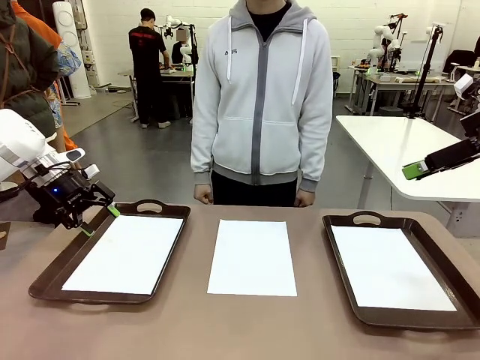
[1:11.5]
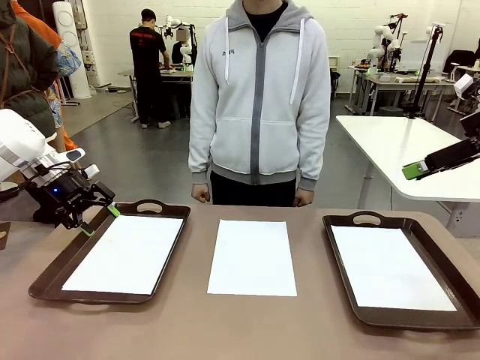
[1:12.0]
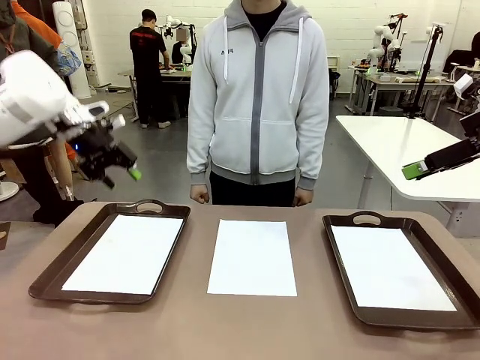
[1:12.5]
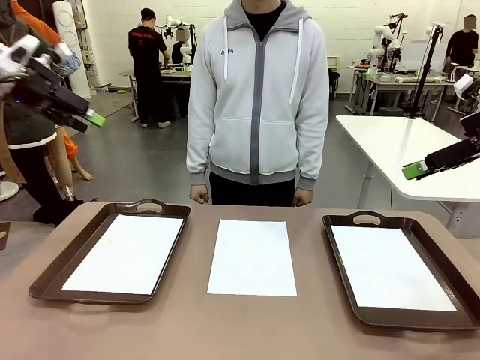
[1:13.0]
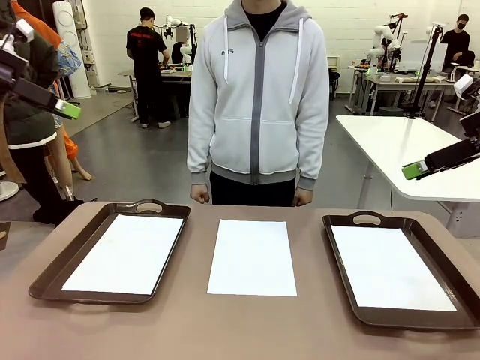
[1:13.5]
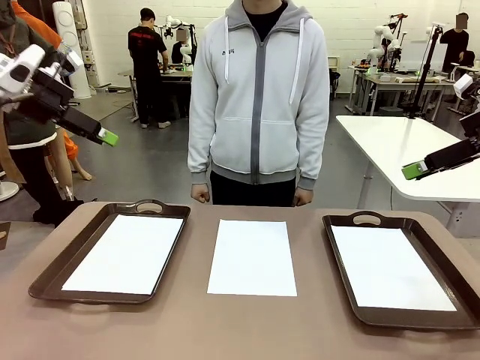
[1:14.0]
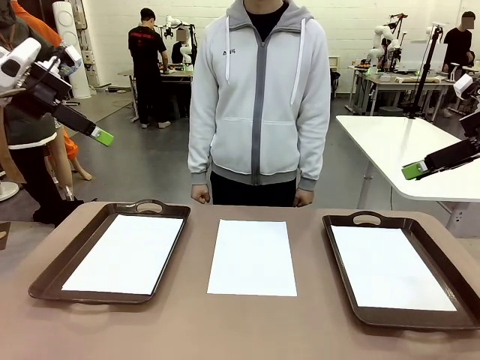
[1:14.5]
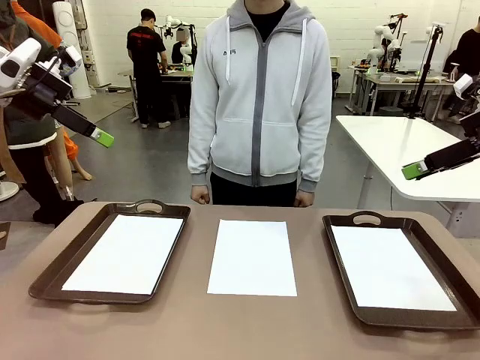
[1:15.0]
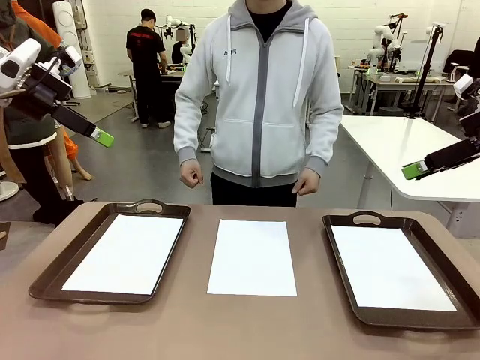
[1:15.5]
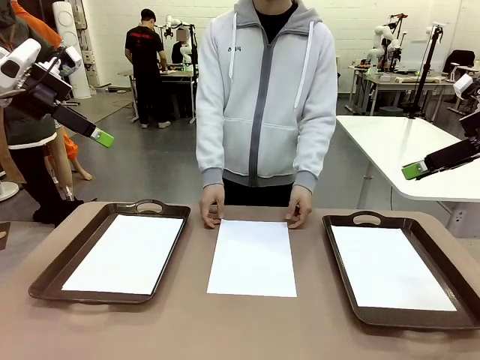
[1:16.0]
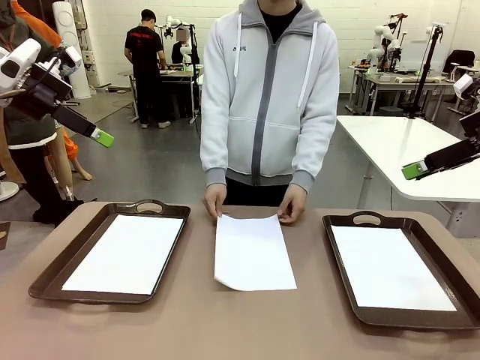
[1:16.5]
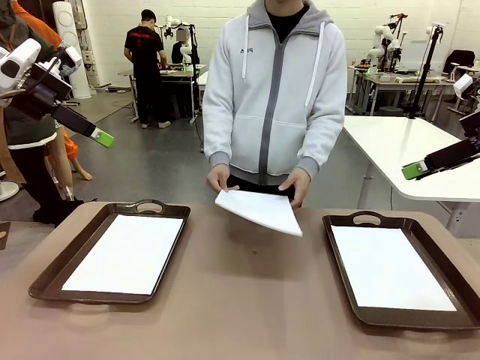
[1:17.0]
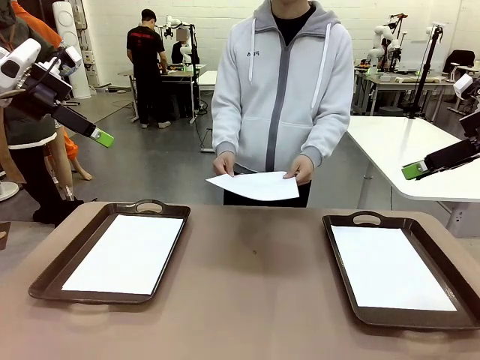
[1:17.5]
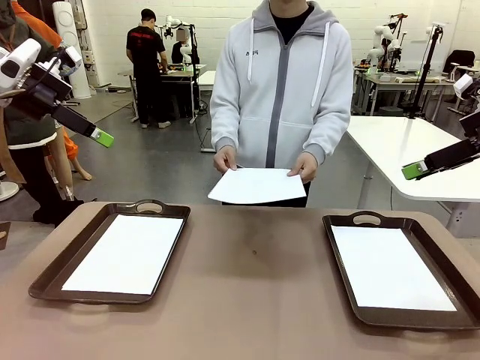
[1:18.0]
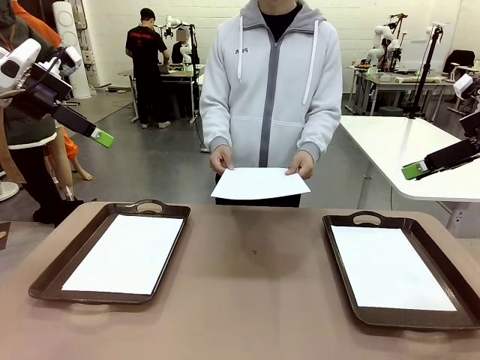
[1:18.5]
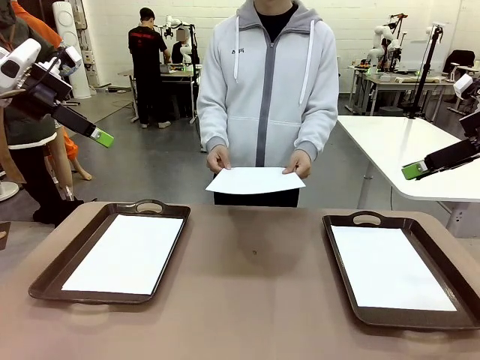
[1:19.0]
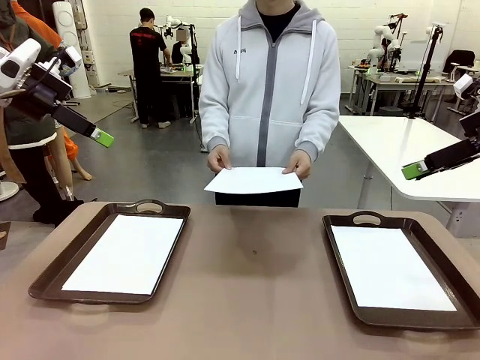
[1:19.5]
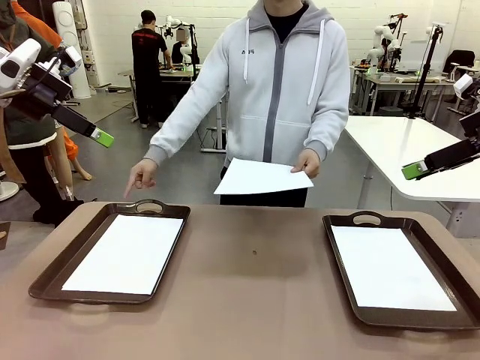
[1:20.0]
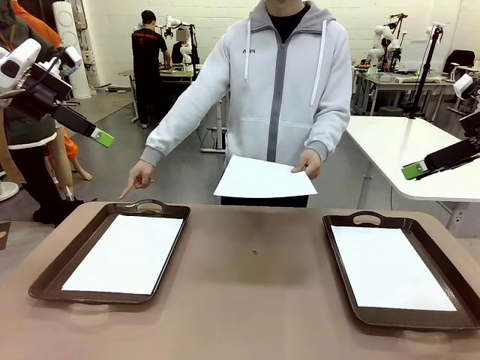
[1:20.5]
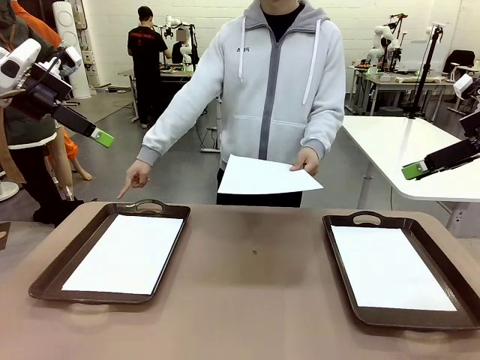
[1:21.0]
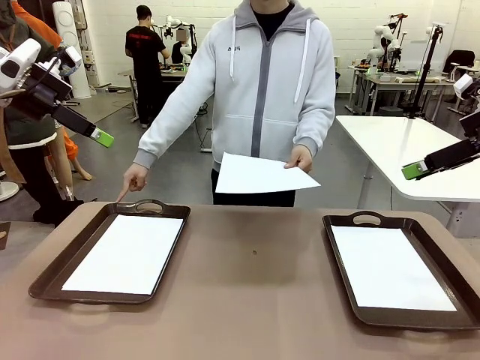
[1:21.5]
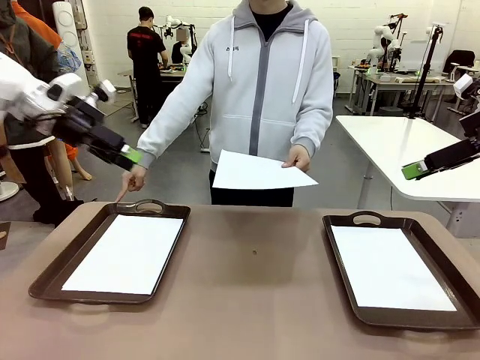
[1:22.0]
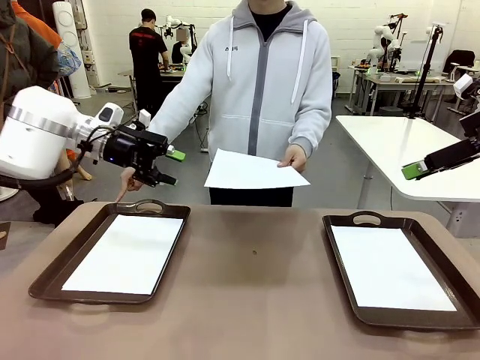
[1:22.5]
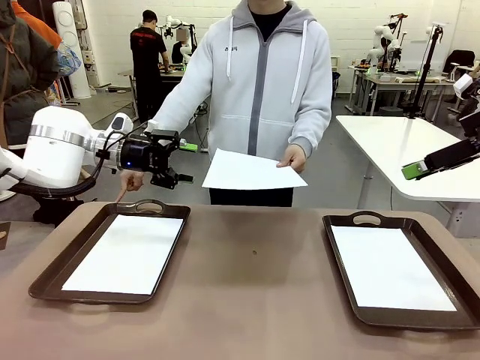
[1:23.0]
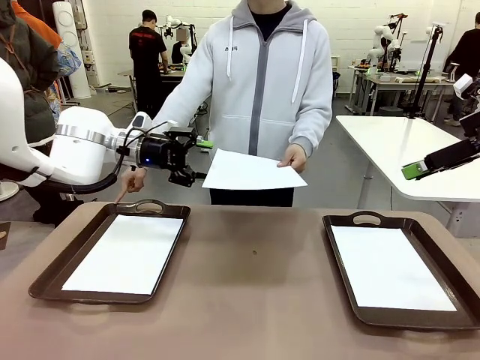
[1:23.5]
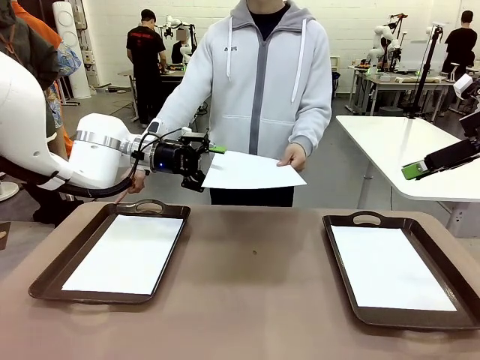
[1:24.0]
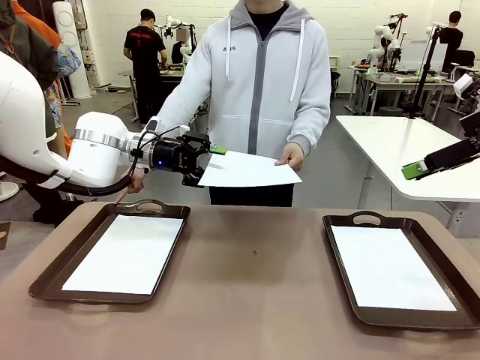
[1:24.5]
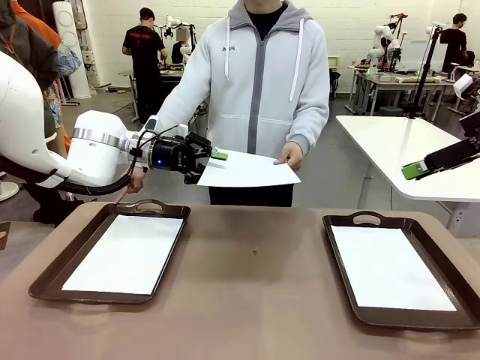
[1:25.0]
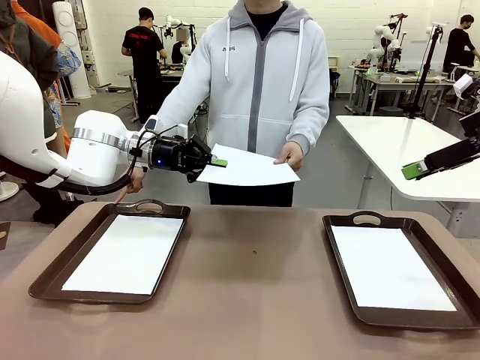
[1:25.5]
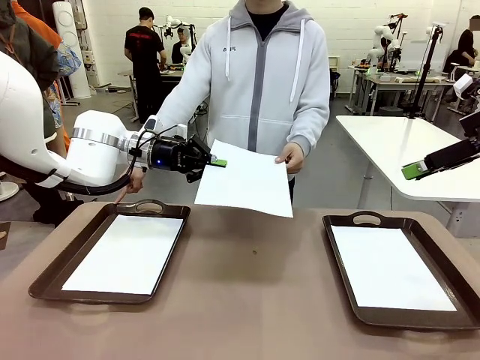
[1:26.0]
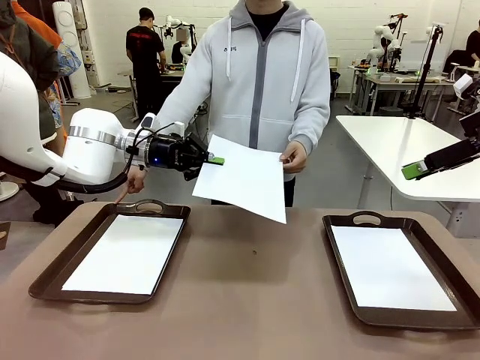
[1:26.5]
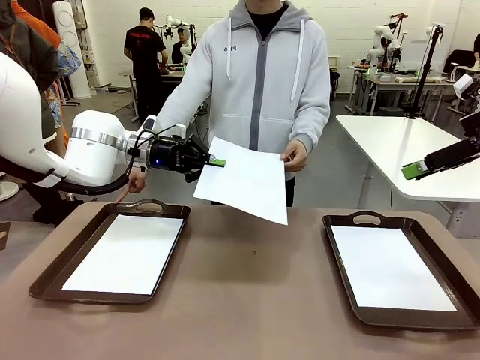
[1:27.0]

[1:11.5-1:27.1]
Task: Sort the A4 documents.
Robot: Receive the A4 Paper.
Person: Point the randomly selected tray with the other hand.

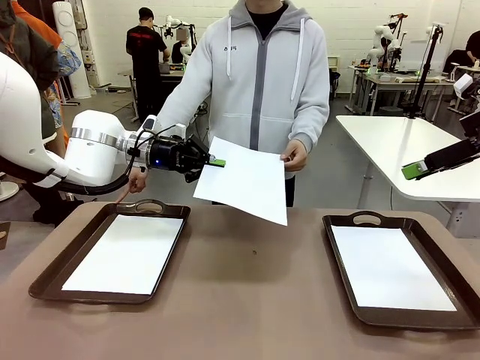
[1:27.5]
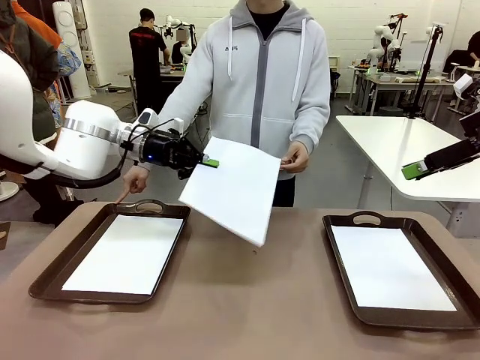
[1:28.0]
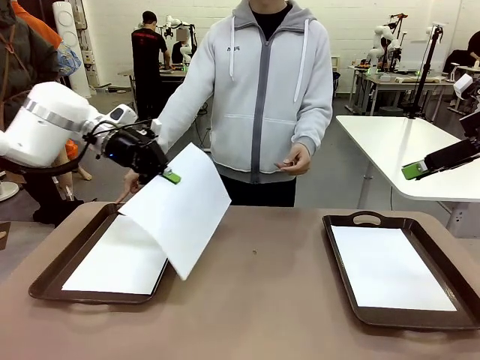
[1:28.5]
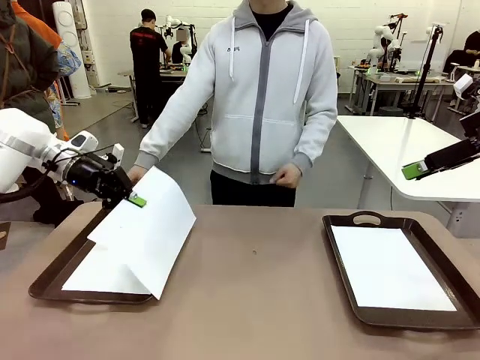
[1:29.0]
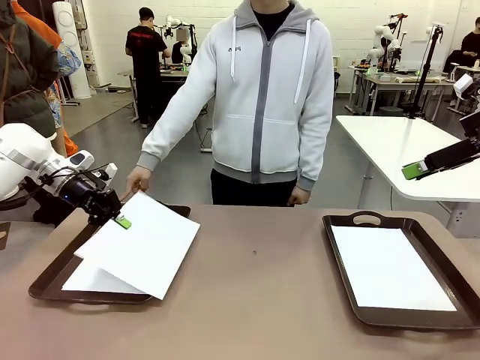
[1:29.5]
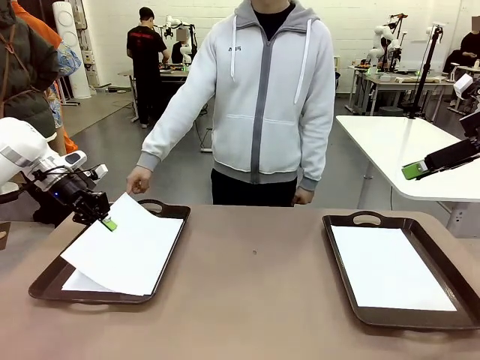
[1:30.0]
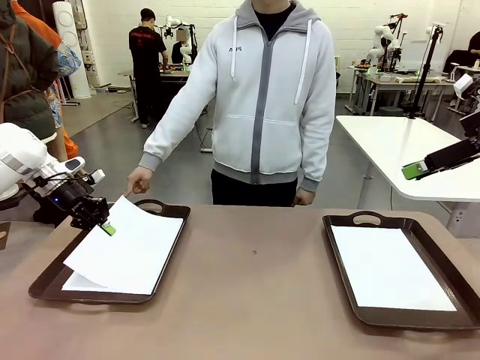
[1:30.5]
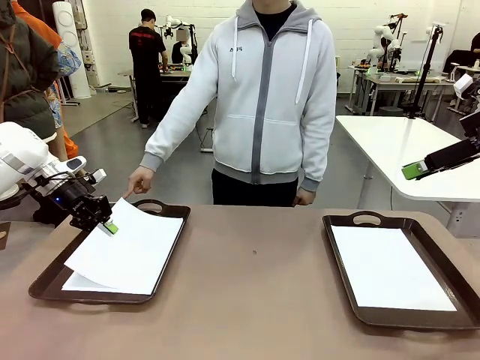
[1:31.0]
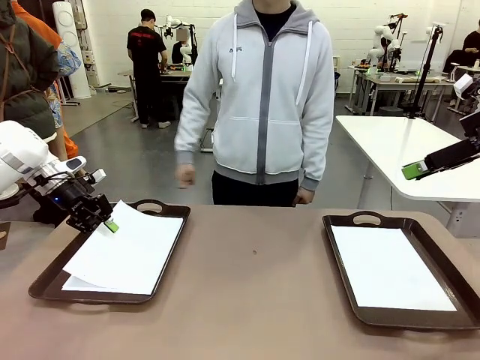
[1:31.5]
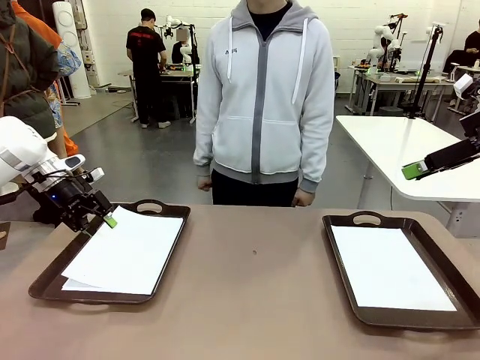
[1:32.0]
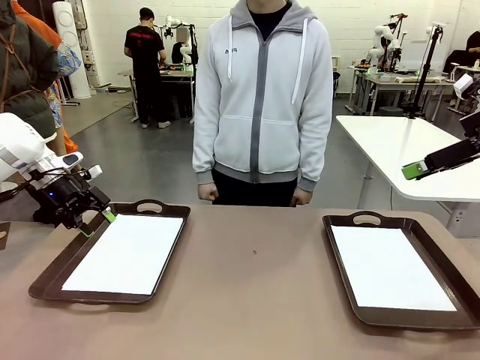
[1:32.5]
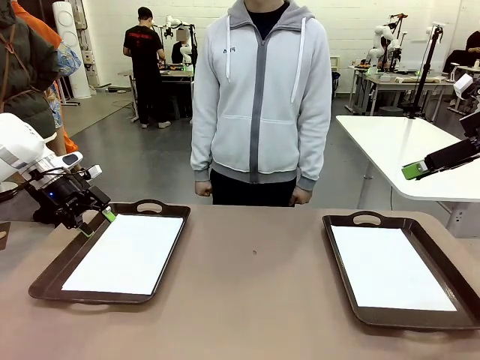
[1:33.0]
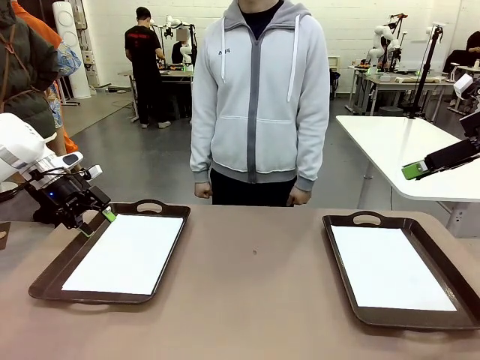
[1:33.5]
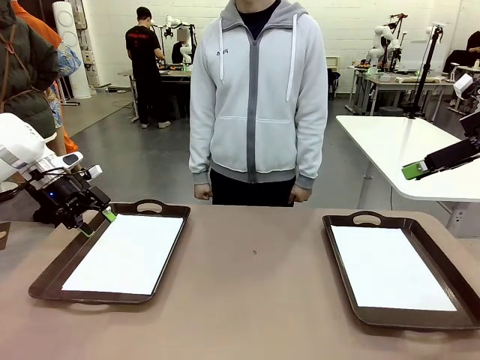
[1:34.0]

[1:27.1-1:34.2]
Robot: Place the A4 Paper in the designated Handle tray.
